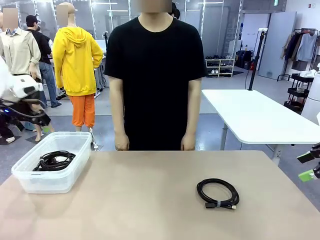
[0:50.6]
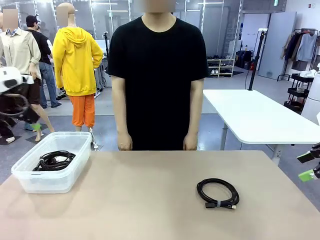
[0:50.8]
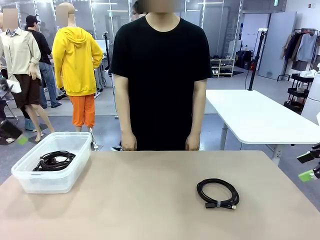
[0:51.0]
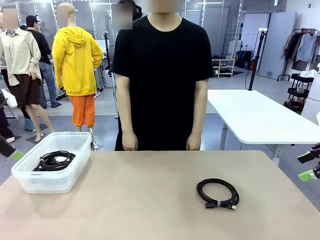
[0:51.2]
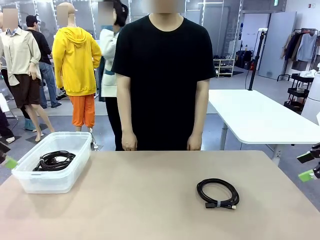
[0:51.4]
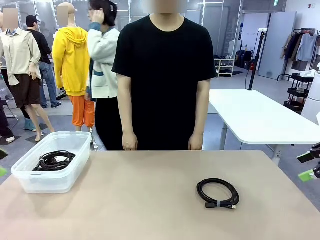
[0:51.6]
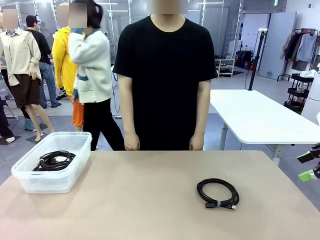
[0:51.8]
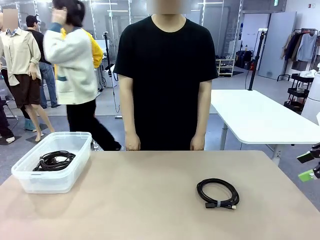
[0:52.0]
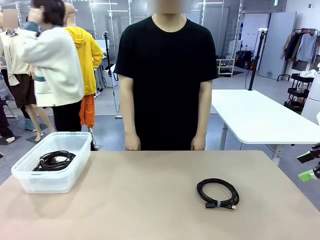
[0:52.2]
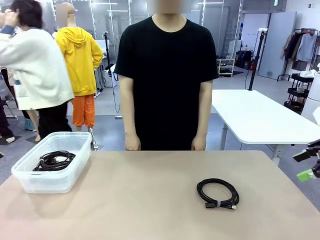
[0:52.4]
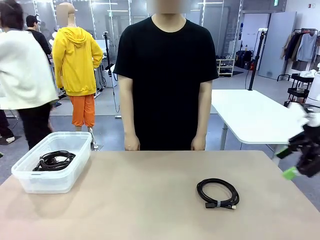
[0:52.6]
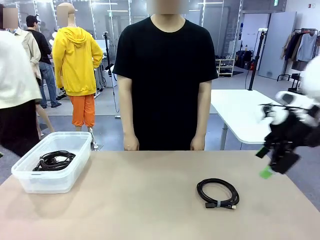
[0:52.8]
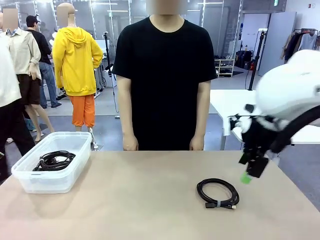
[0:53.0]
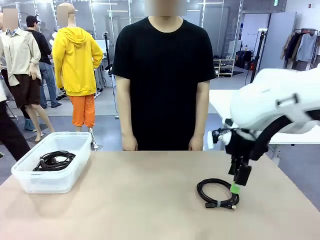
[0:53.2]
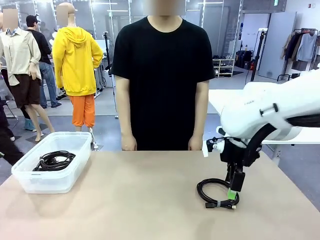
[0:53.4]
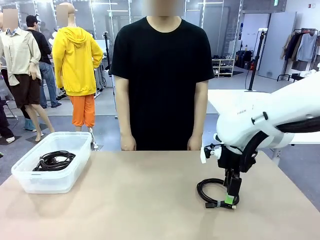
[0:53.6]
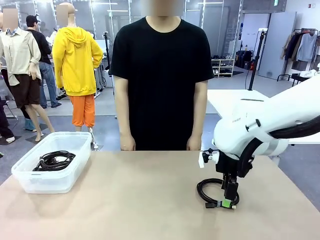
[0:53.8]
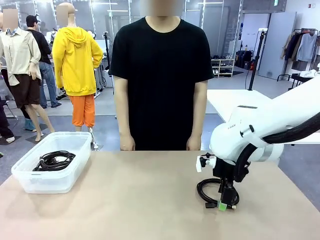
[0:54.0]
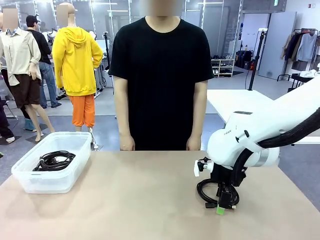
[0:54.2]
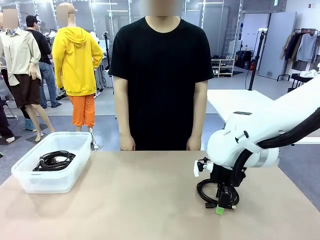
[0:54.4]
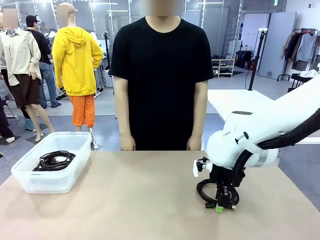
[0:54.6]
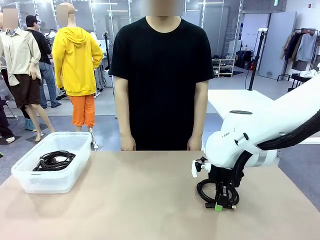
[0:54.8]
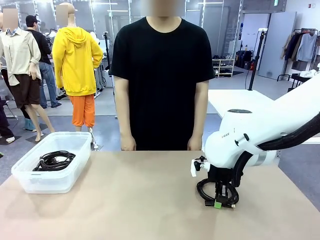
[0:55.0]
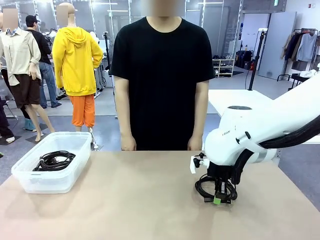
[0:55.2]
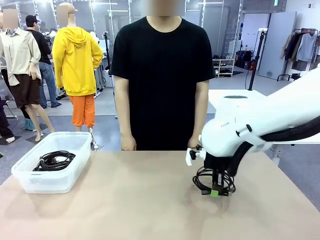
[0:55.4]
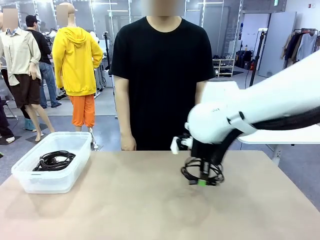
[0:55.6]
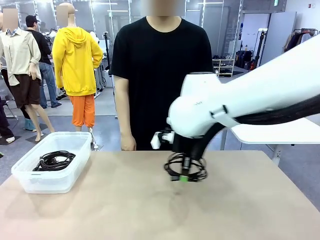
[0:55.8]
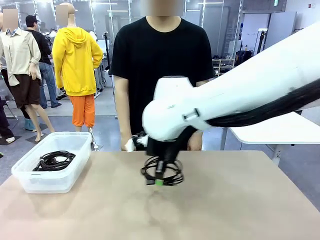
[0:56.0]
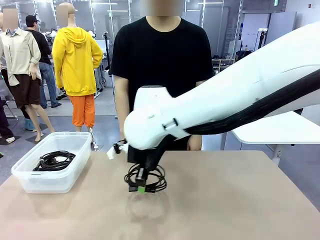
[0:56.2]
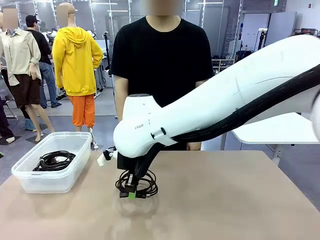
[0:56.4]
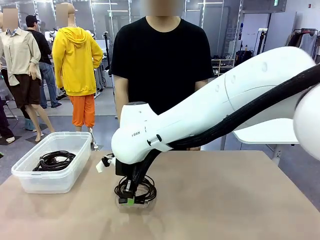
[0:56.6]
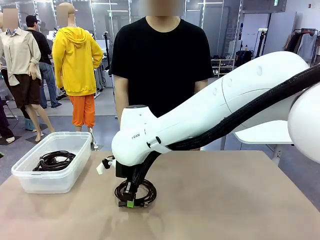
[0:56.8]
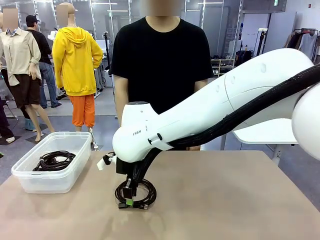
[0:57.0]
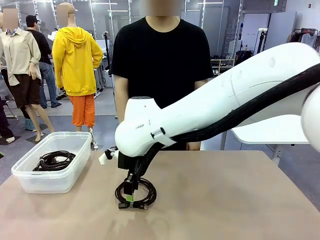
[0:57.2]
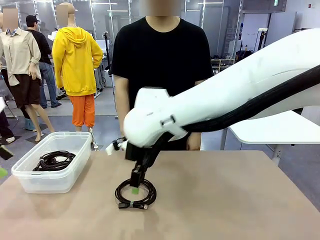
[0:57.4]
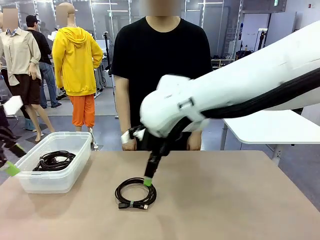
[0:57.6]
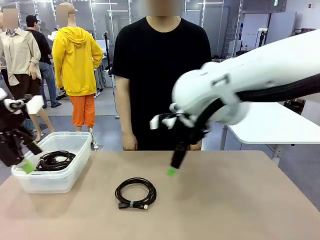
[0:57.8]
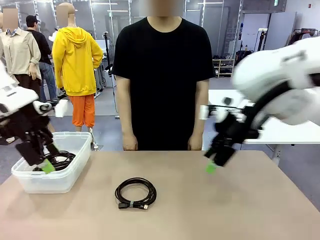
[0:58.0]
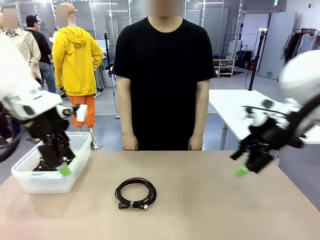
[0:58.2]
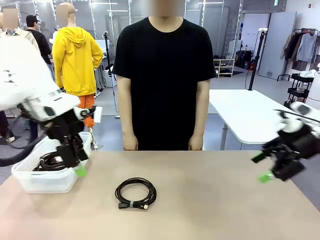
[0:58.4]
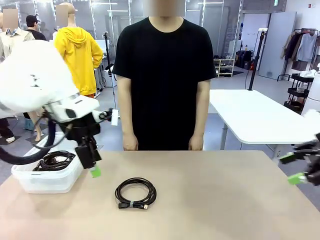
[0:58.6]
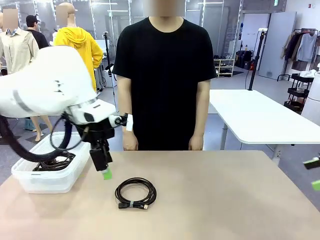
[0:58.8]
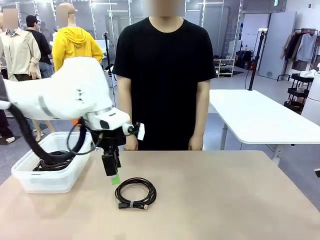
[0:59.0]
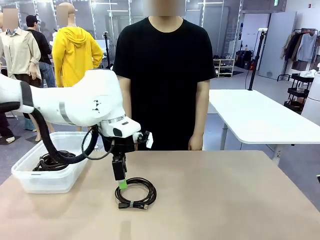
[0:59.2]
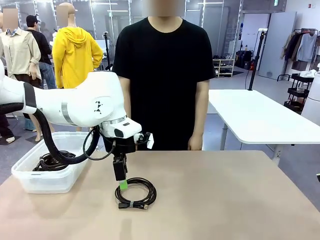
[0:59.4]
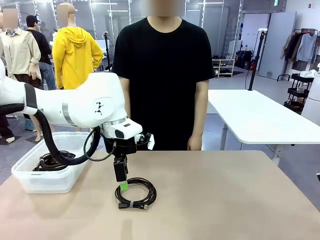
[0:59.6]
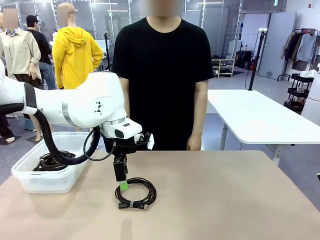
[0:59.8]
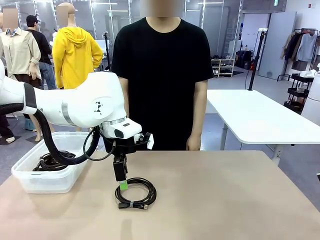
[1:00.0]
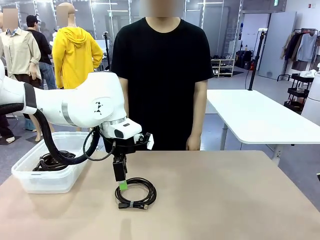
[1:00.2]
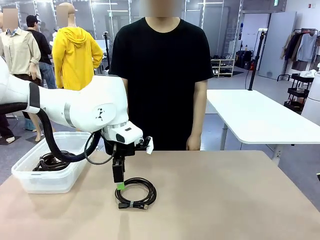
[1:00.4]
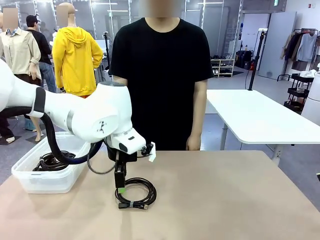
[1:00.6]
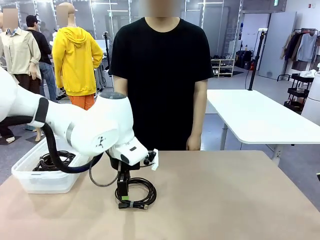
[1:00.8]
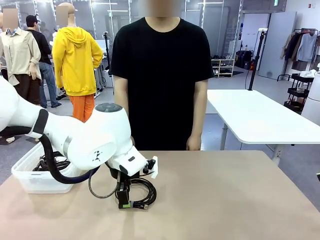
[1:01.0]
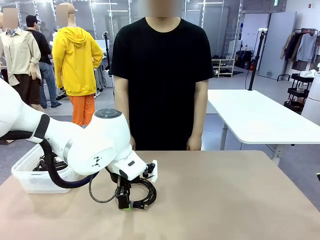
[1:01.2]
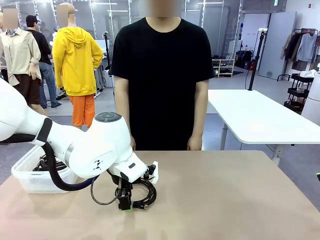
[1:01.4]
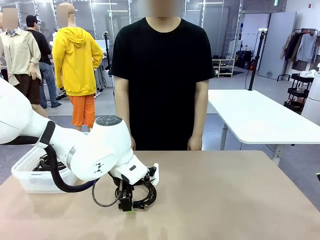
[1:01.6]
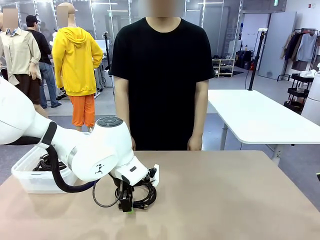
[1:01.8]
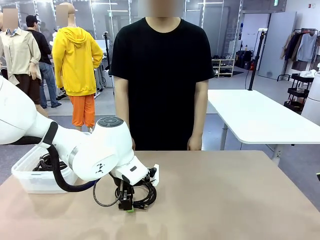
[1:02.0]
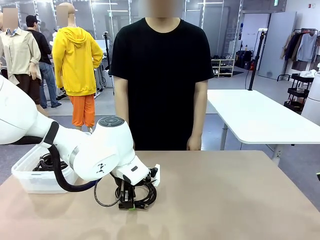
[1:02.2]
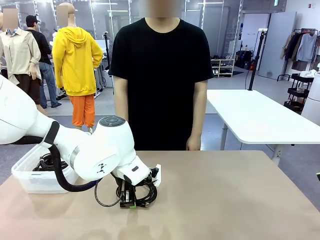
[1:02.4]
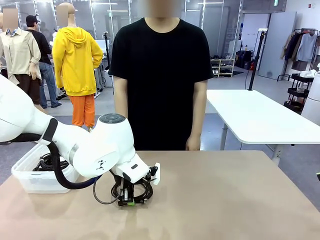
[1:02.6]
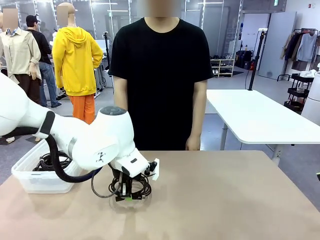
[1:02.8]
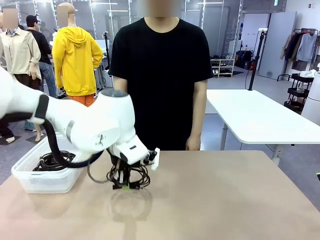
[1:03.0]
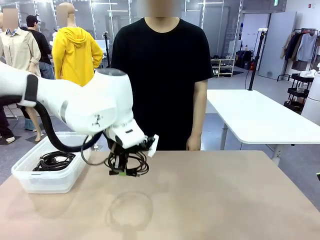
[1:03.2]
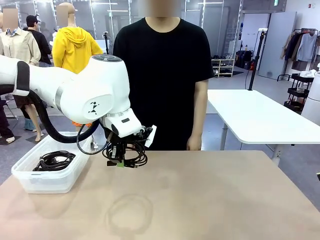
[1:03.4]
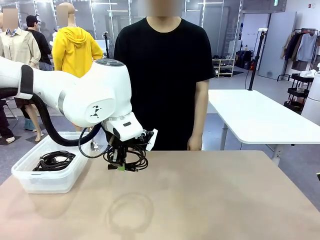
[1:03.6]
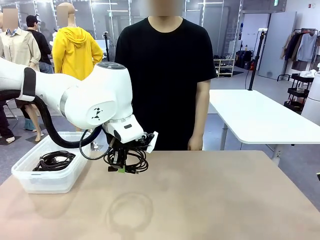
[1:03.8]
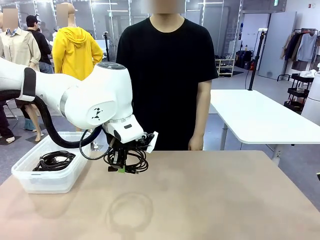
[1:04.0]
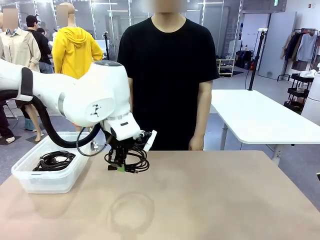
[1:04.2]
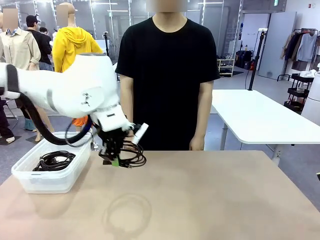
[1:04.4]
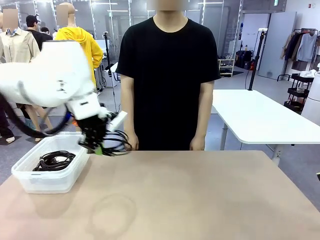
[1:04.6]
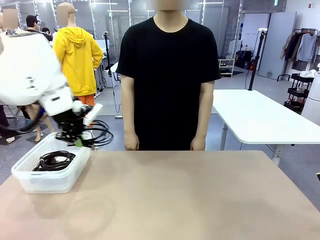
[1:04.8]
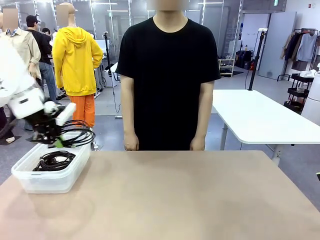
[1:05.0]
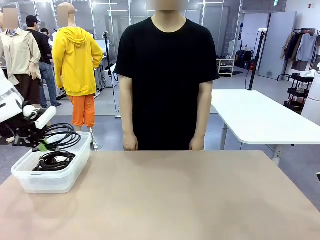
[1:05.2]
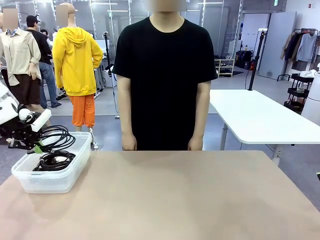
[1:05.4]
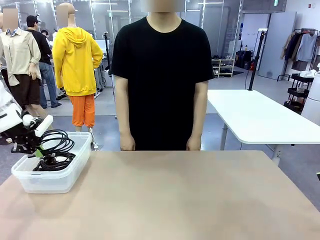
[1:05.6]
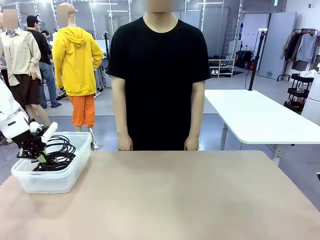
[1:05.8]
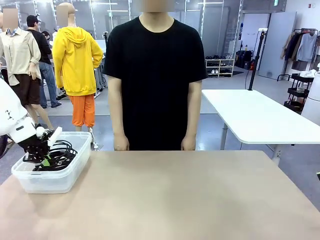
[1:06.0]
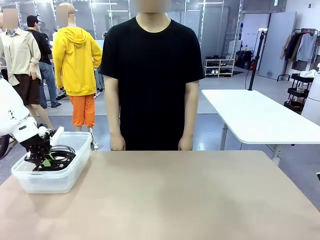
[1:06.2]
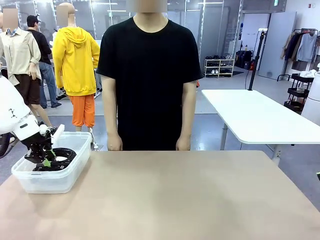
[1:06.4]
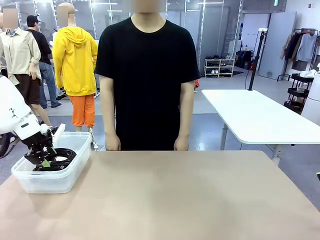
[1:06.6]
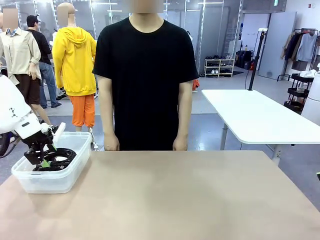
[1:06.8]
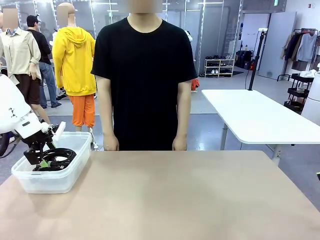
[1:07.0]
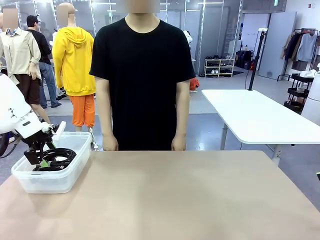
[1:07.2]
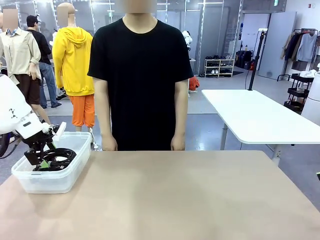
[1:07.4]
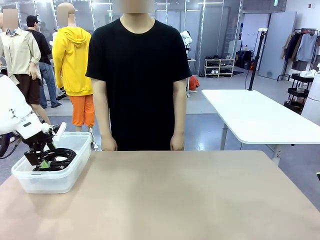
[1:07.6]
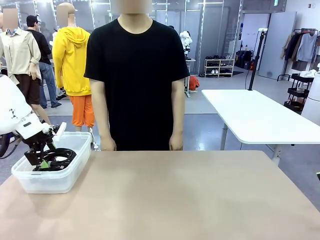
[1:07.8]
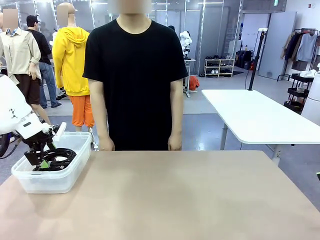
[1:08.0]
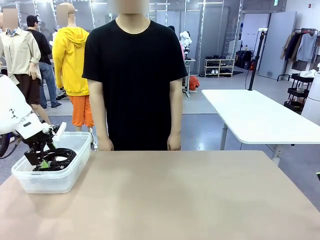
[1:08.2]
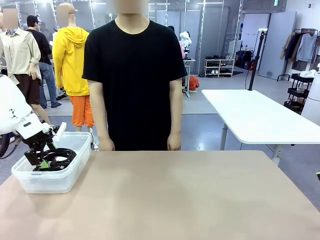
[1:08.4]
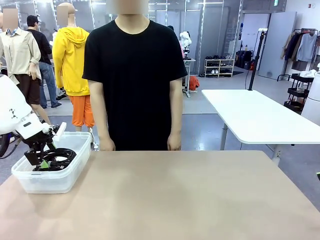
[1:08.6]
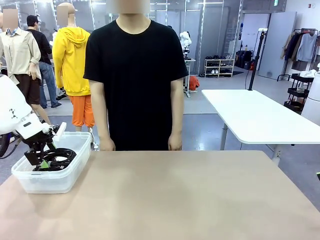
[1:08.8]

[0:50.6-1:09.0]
Task: Organize and store the cables.
Robot: Place the USB Extension Cable into the Organizing box.
